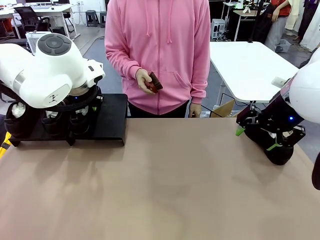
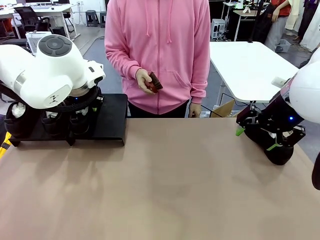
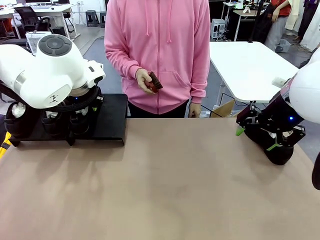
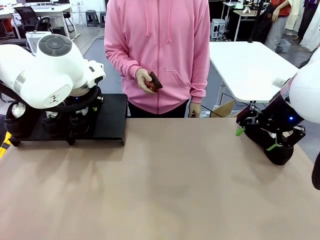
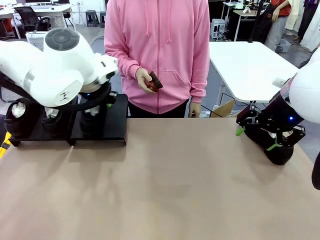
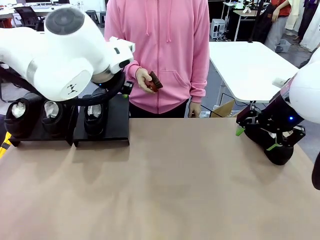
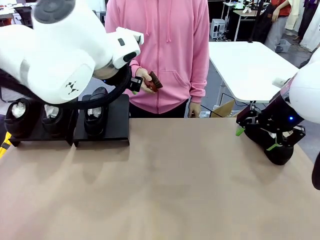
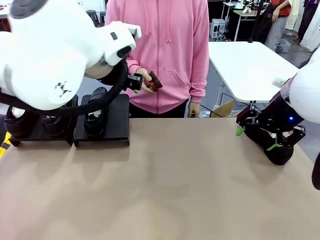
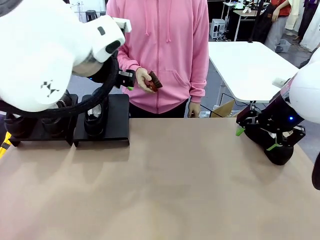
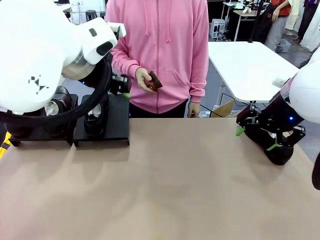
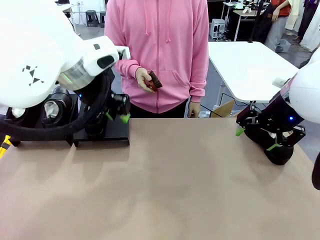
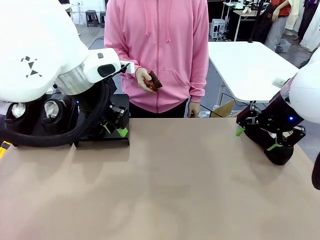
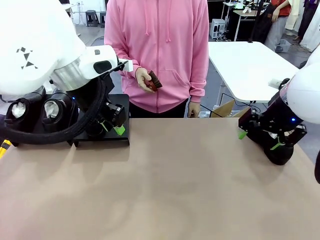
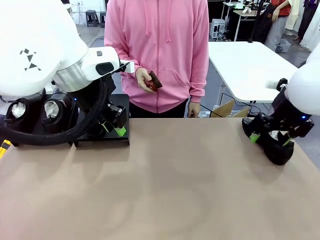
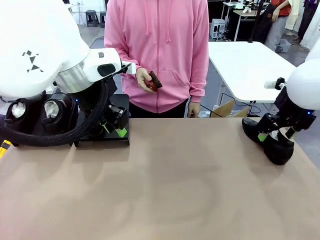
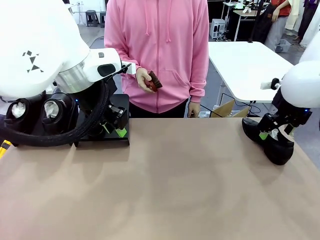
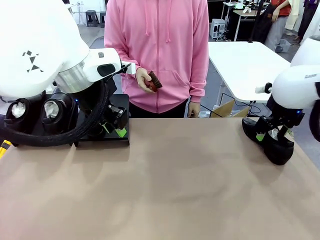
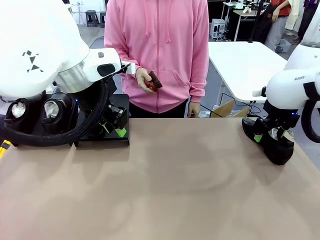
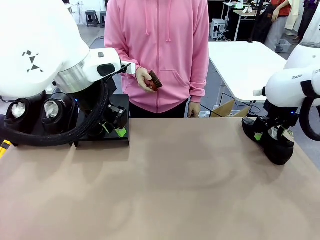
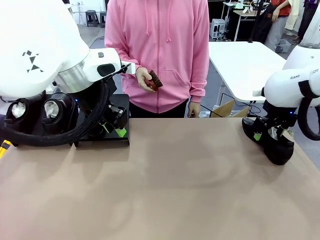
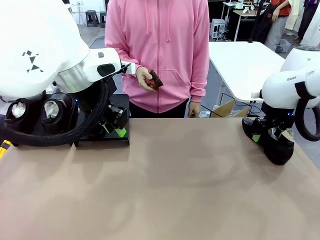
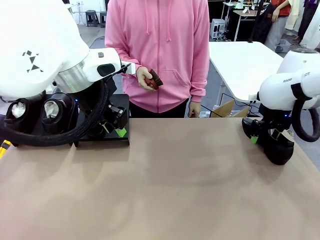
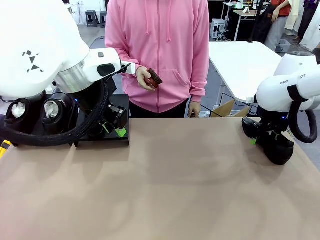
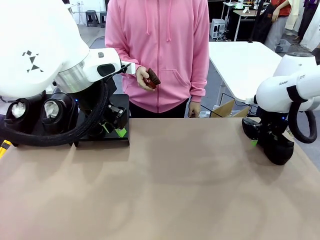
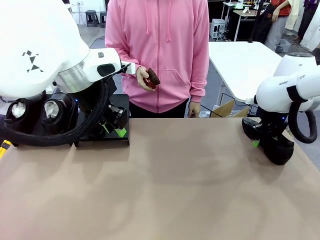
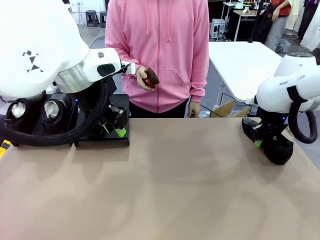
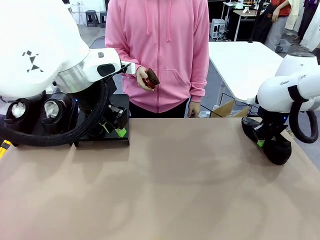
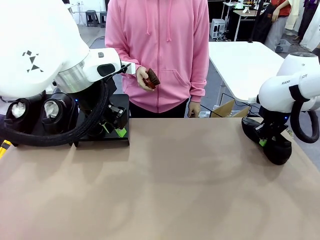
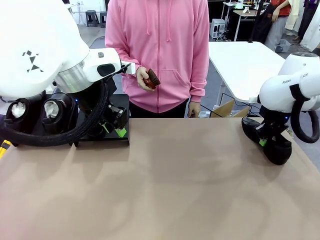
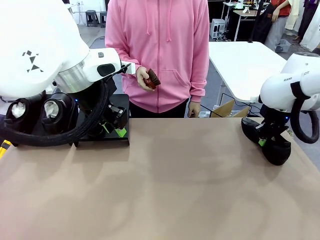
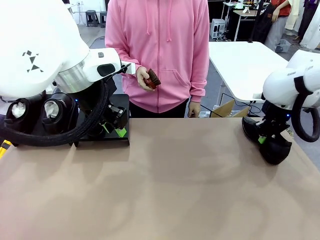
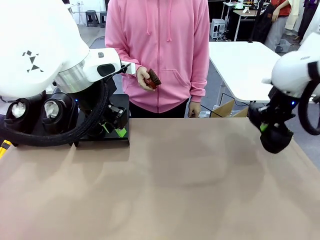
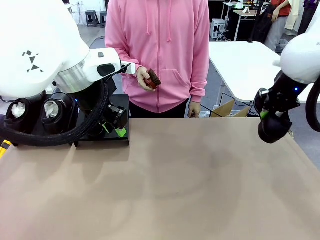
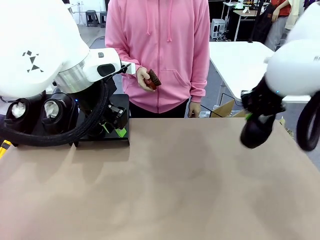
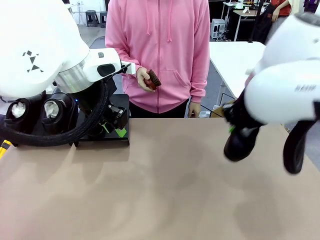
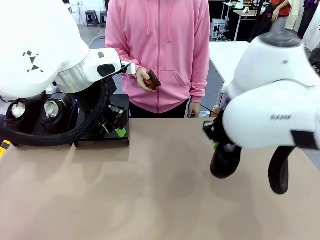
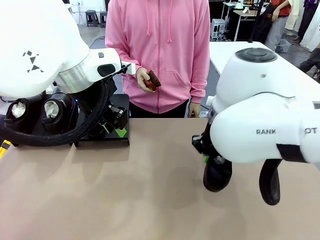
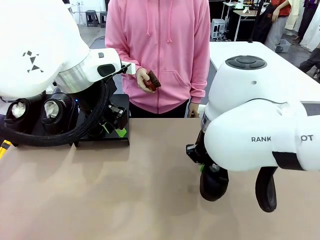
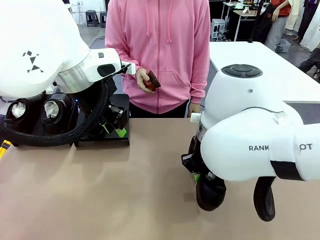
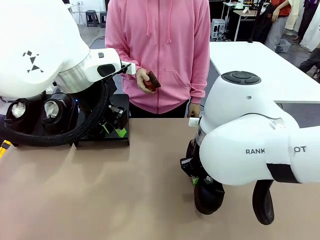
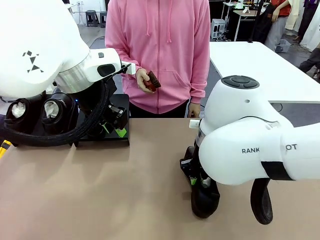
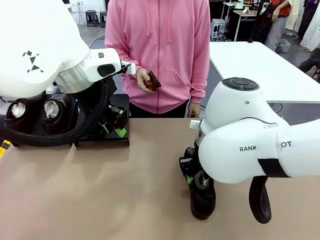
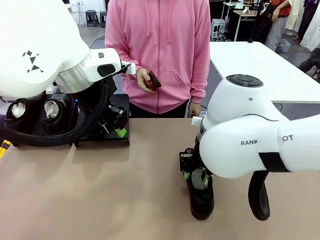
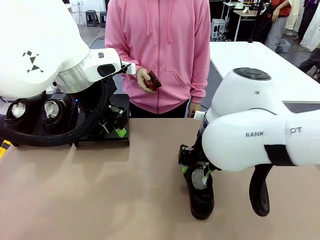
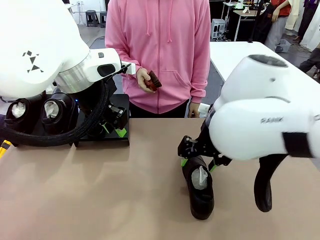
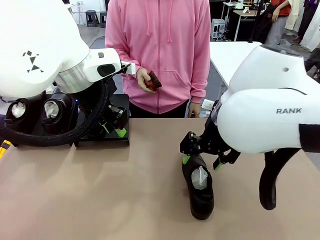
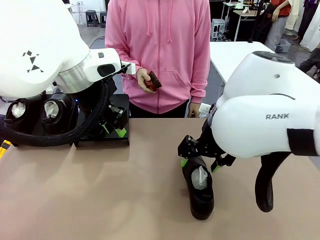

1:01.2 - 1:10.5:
Task: Organize the shoes by placing them on the stand.
Robot: Pick up one Shoe and place it in the middle of the table.

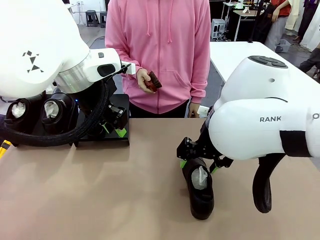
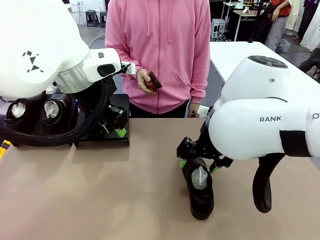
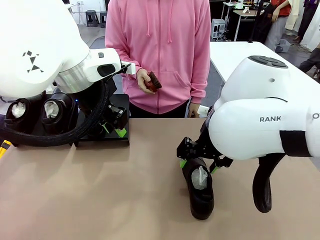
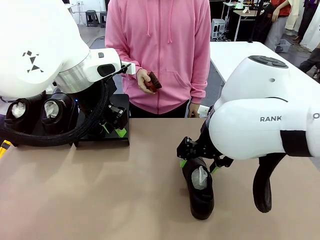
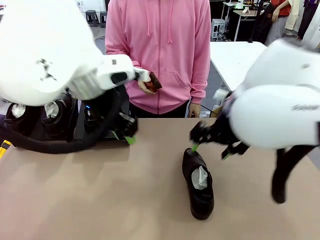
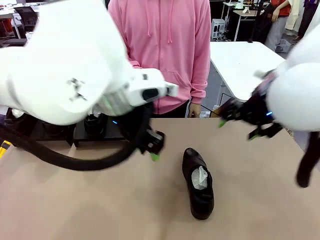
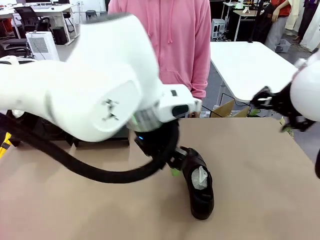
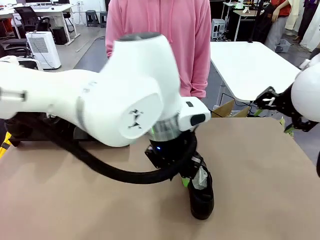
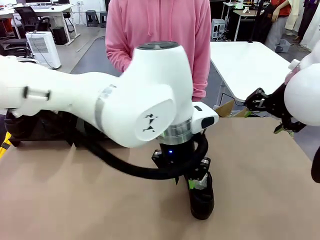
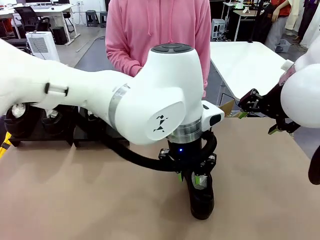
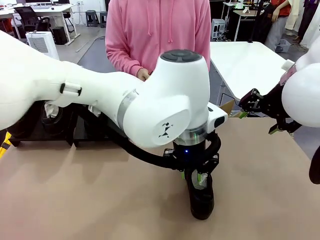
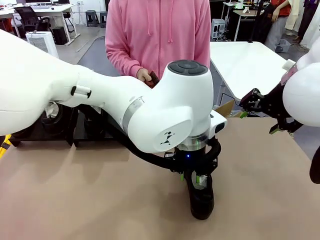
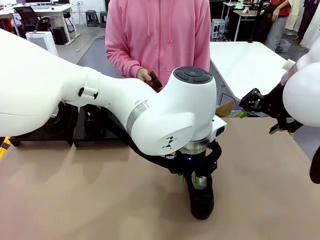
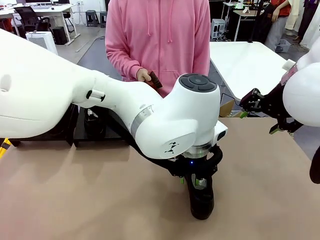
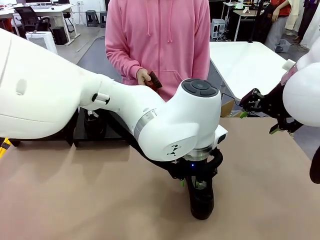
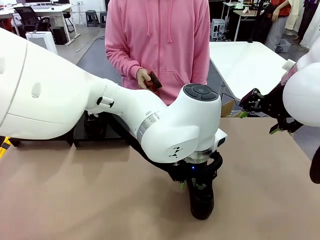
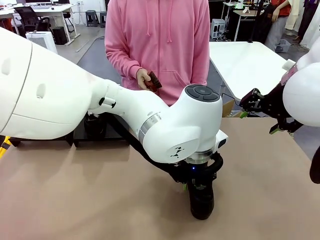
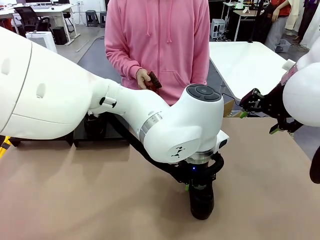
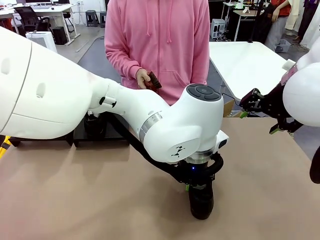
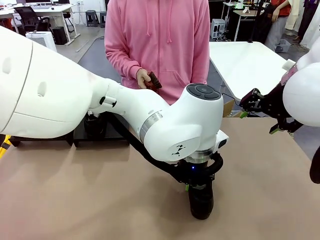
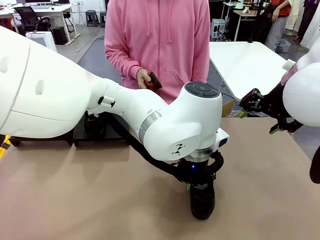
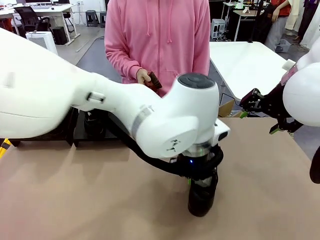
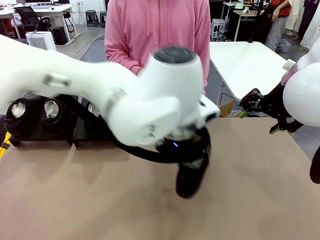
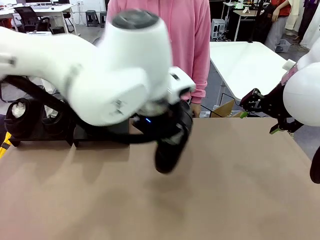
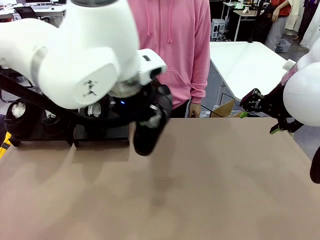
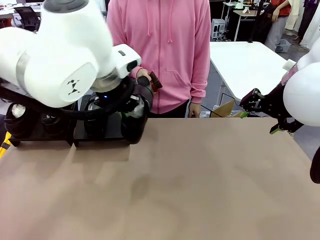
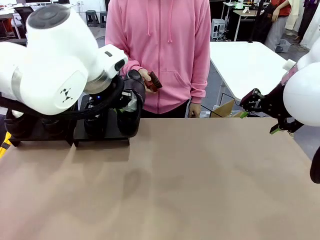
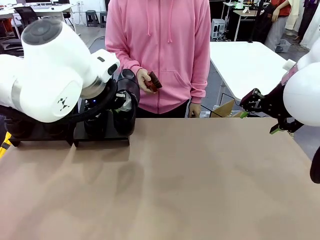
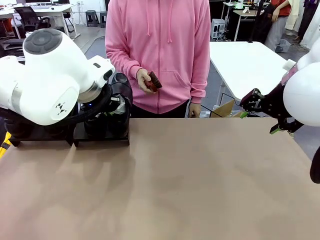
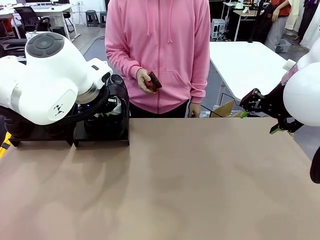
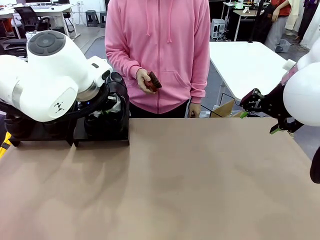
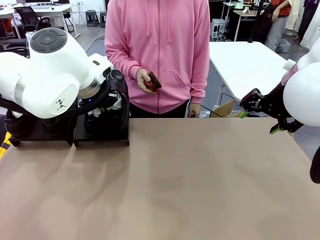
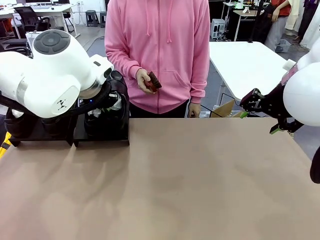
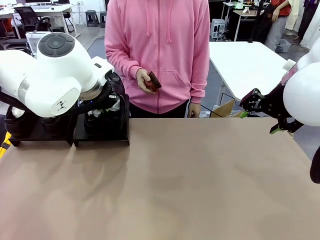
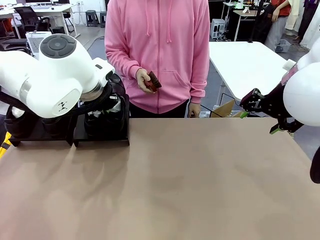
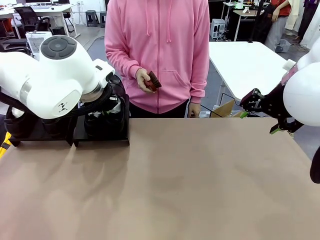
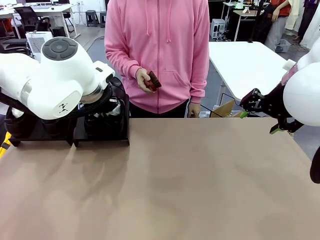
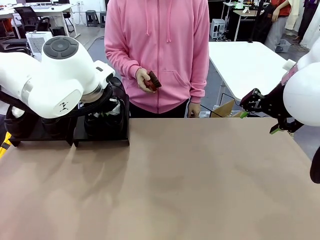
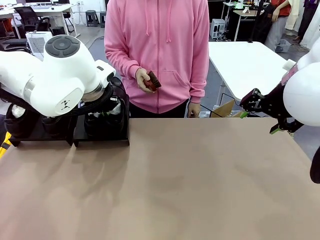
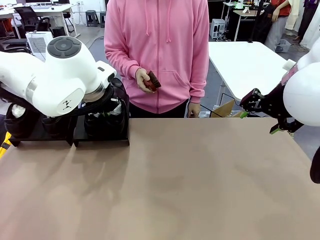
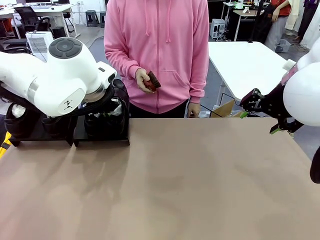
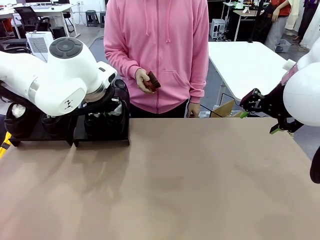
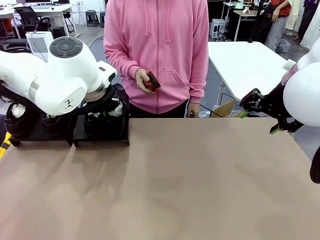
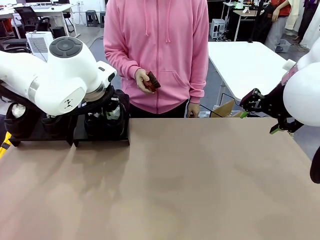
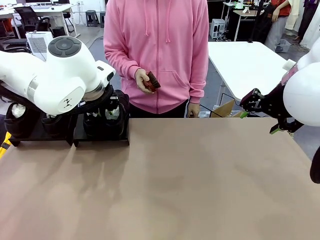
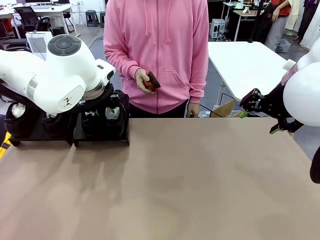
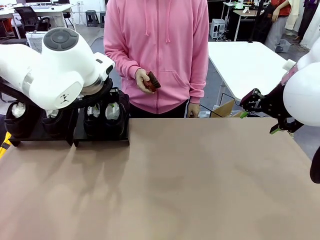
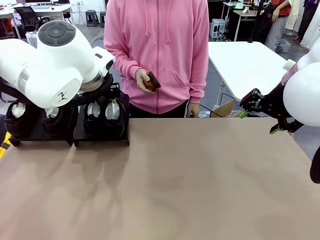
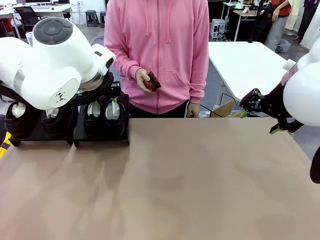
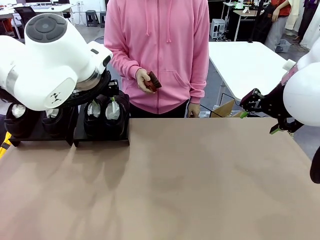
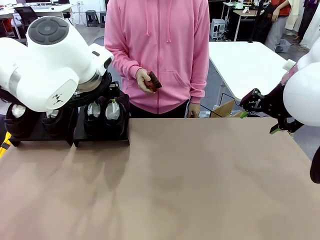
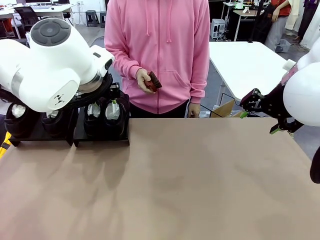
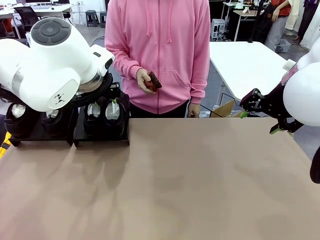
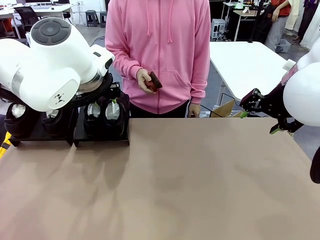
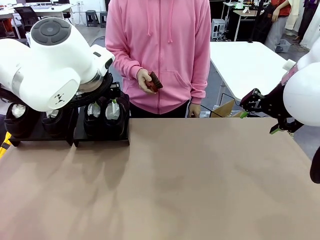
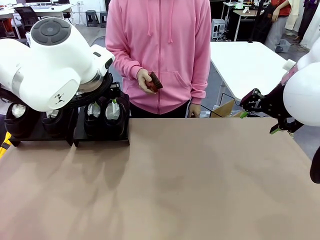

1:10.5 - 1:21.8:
Robot: Place the Shoe from the middle of the table onto the Shoes Stand.
